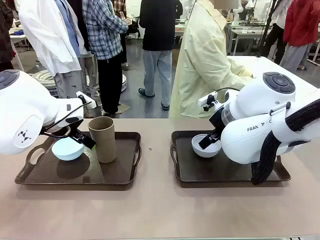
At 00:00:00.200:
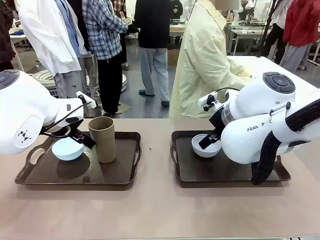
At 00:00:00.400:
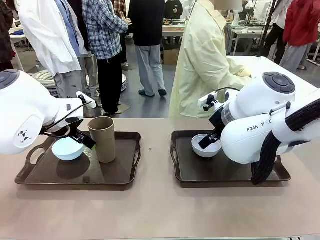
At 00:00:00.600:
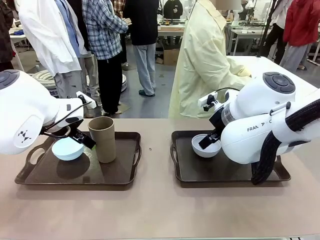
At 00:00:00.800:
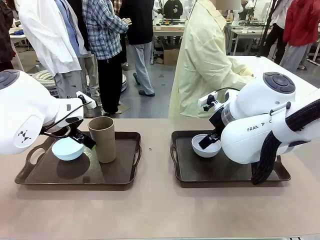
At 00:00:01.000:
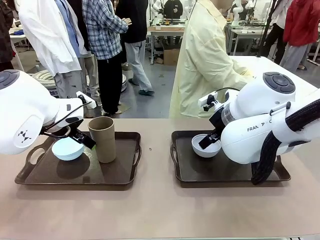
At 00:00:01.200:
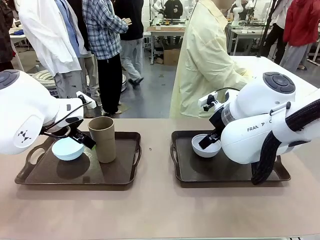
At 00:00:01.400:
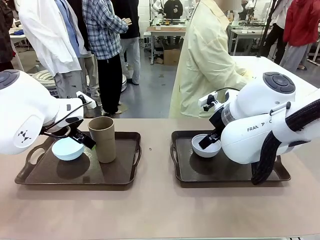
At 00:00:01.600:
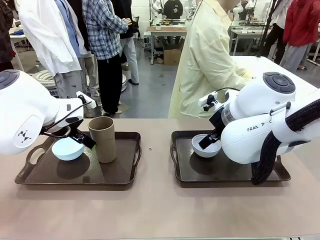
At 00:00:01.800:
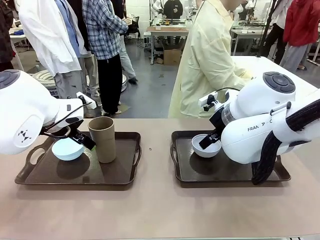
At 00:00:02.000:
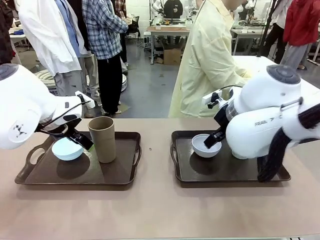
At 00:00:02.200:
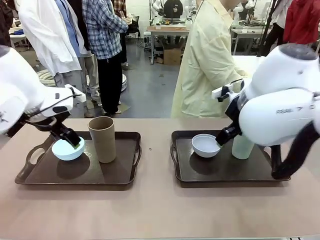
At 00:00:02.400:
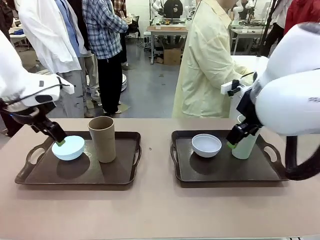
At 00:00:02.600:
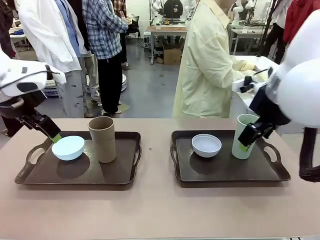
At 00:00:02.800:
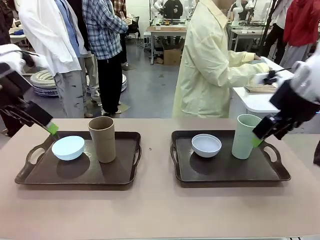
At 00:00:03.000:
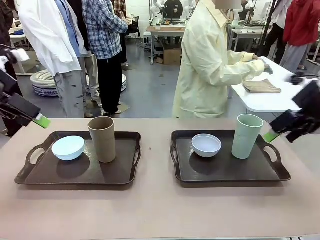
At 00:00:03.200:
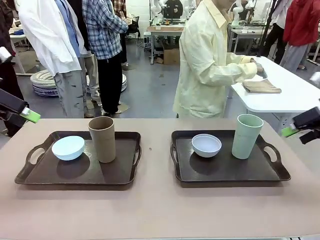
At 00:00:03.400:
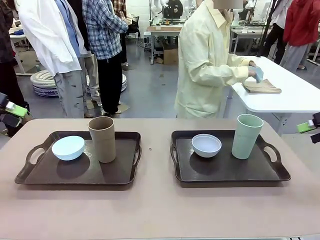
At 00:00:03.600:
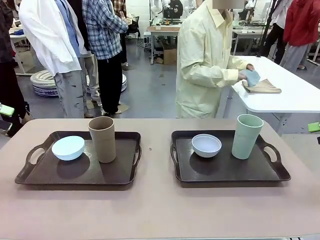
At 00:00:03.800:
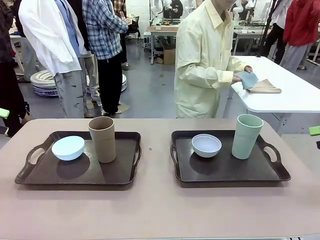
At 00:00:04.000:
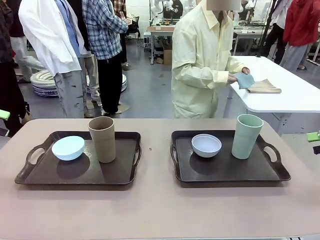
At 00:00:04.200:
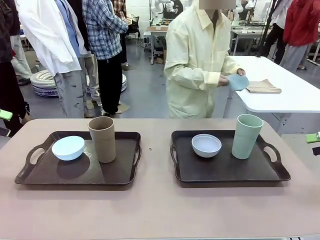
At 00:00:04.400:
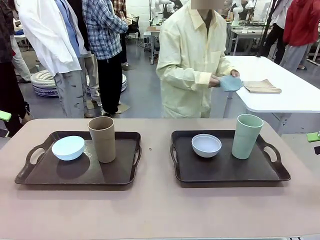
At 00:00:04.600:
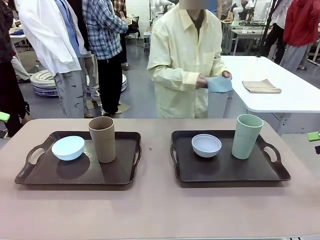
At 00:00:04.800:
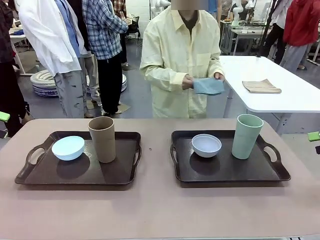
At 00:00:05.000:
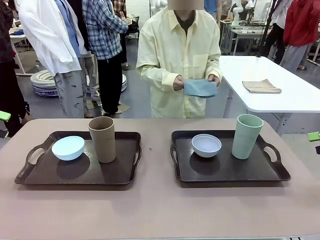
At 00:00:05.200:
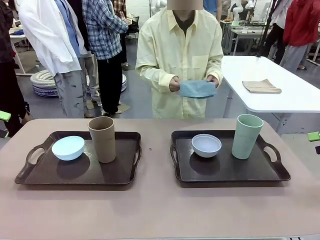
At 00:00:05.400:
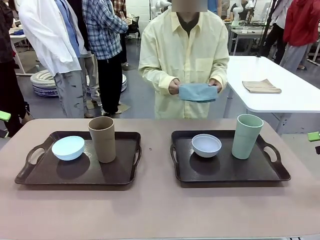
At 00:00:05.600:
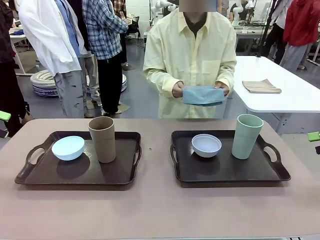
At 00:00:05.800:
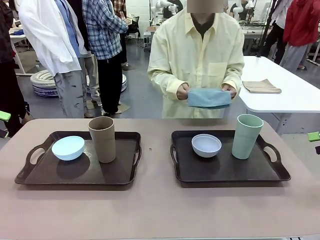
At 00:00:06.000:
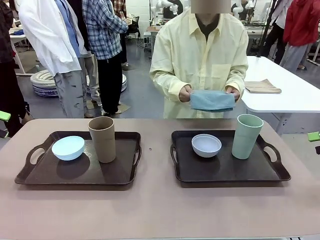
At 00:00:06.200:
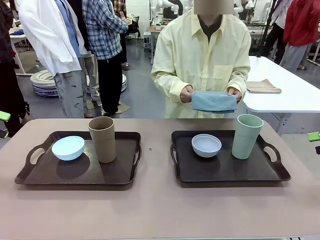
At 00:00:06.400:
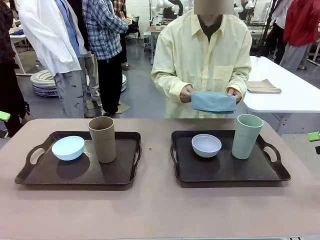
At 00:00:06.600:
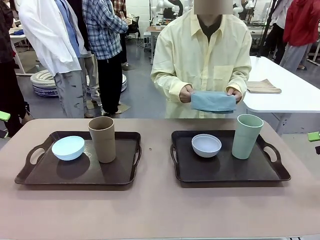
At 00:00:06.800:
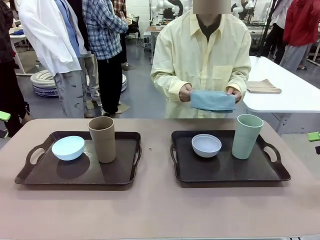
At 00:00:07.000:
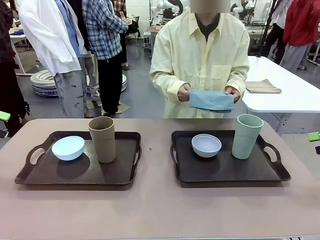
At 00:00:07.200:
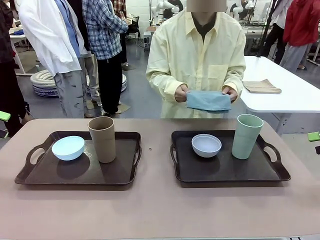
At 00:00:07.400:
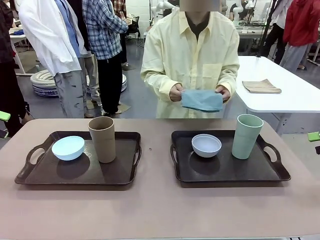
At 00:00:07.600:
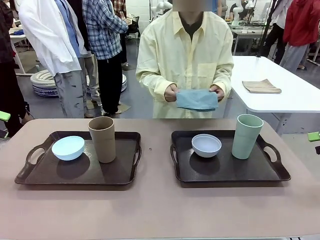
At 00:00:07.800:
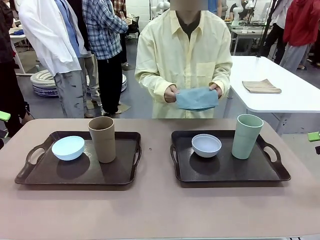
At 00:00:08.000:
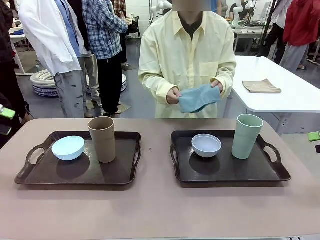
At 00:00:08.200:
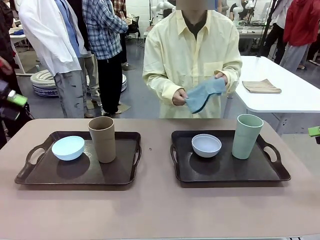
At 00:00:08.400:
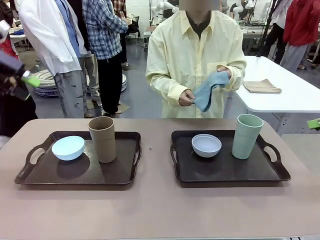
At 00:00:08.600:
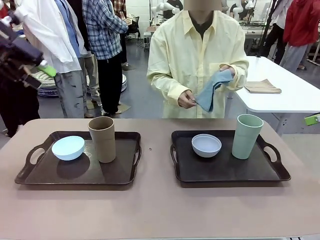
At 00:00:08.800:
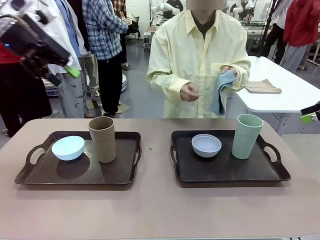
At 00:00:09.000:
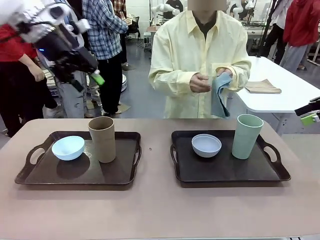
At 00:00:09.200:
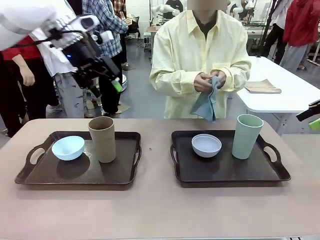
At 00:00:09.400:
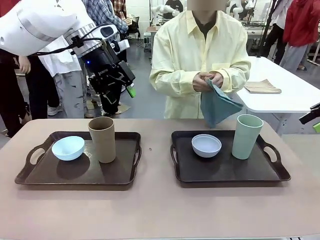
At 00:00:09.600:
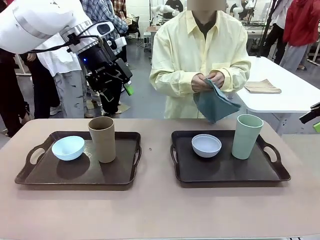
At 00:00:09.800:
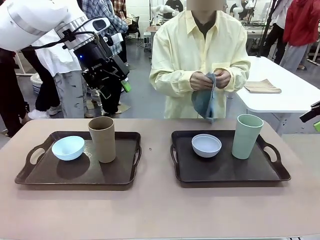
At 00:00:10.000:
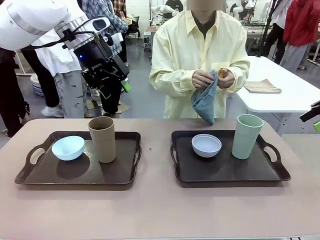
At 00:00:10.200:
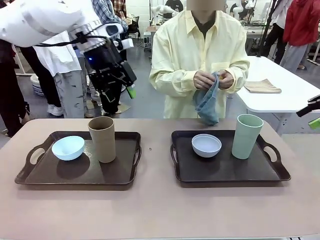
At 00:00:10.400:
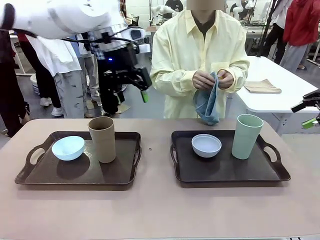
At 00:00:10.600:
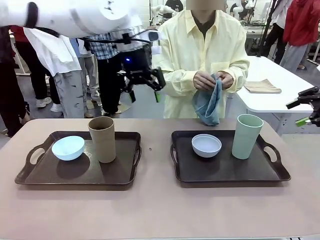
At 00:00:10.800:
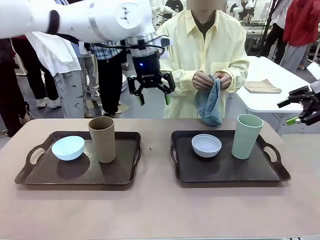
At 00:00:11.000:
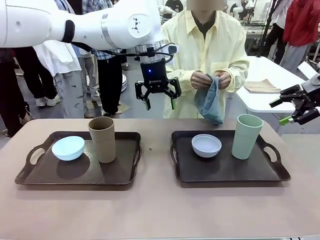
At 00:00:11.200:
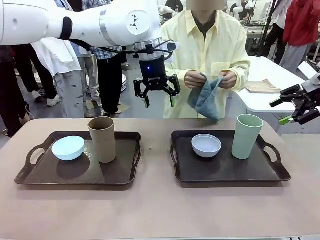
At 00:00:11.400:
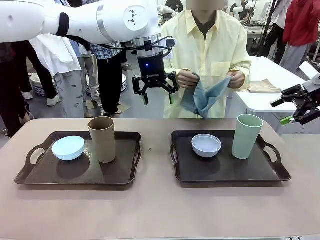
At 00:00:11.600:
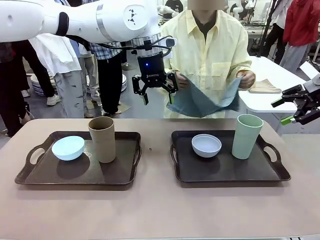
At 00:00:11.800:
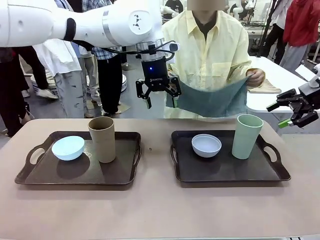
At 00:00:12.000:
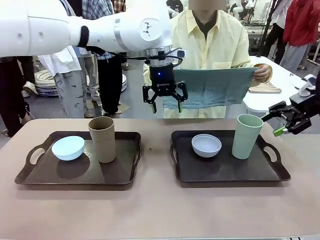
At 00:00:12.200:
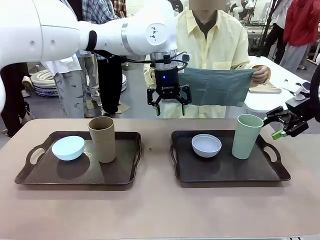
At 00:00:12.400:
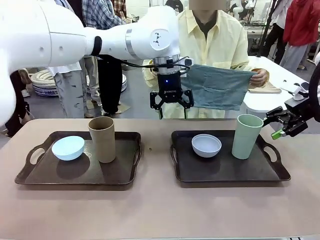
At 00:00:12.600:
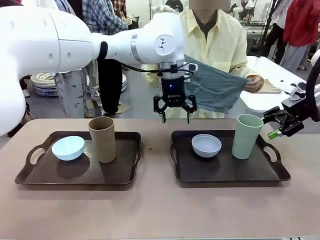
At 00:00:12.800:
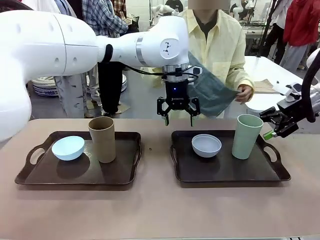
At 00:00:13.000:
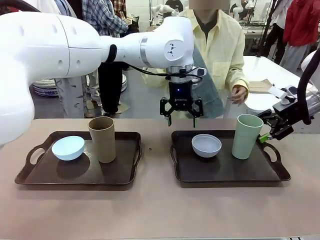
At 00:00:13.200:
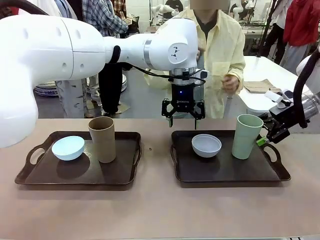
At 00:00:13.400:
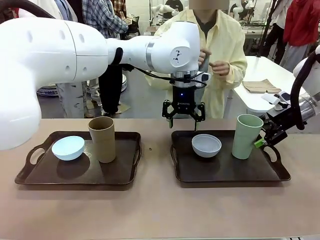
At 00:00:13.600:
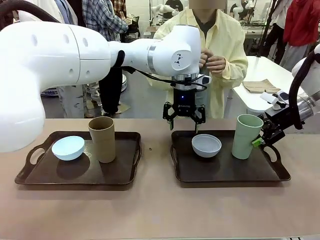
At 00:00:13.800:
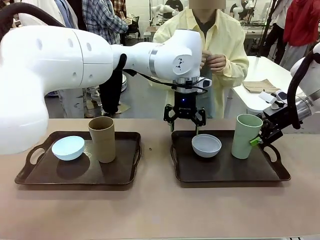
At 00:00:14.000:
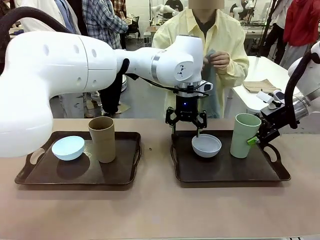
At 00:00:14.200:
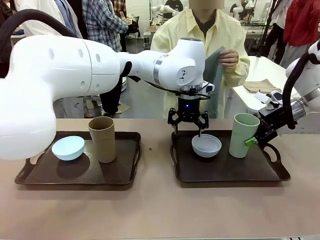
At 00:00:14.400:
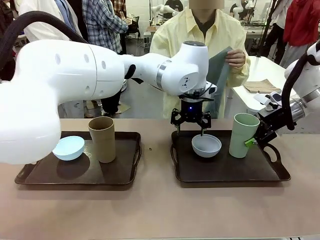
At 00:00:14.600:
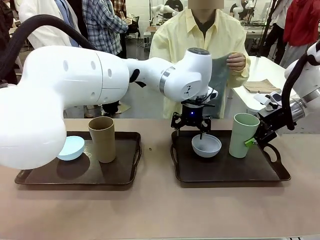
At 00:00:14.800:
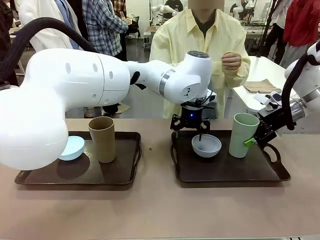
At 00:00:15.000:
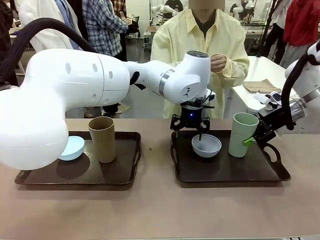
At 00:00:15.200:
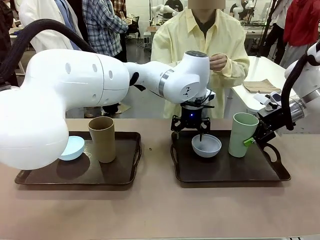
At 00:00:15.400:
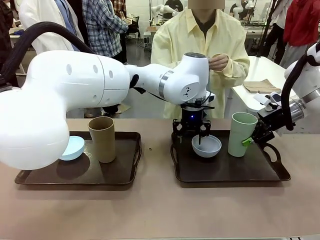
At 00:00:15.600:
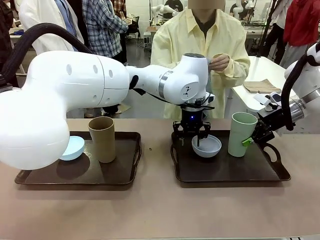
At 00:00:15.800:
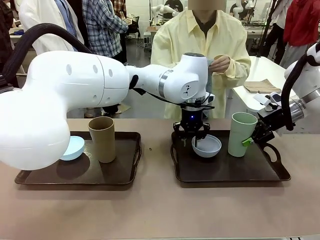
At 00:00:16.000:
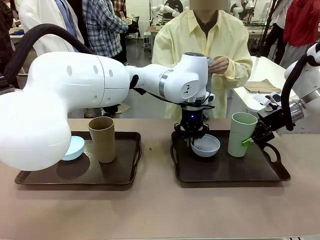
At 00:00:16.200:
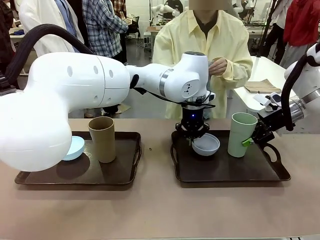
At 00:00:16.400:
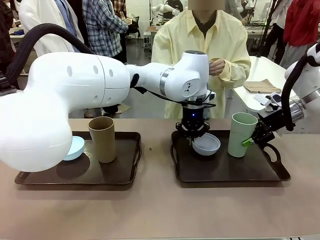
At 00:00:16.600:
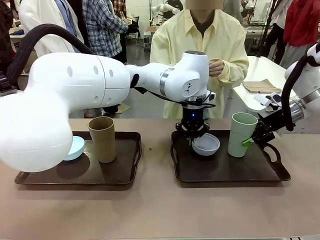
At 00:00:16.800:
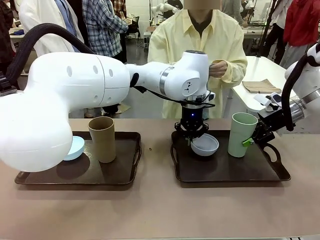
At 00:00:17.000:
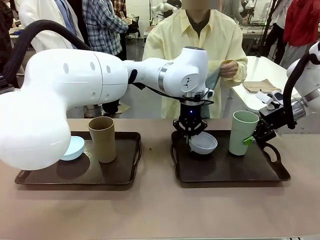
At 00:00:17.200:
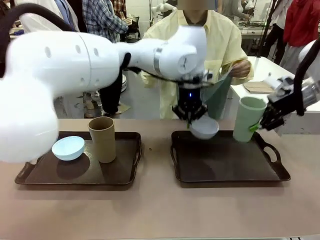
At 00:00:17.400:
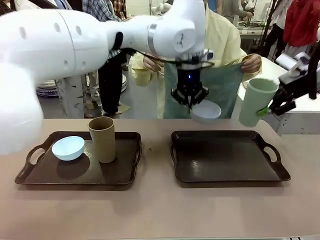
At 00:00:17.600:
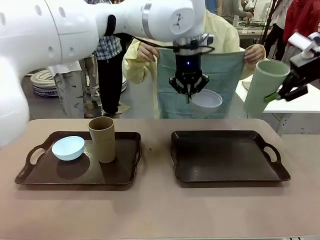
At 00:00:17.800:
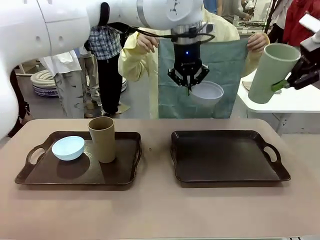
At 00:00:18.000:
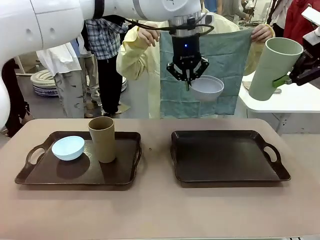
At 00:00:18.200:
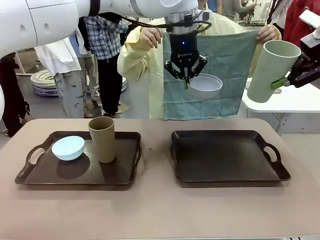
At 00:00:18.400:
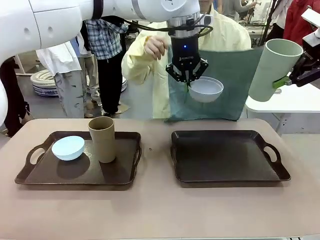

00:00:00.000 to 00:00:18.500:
Robot: Pick up the Picnic Bowl and Reusable plastic cup from the Handle tray in front of the human's position and hold them in the air.
Person: The human picks up the top napkin from the stack on the human table and walks to the robot table to stand in front of one of the two trays. When the robot lifts the bowl and the cup, the human unfolds the napkin and lays the napkin flat on the tray.
